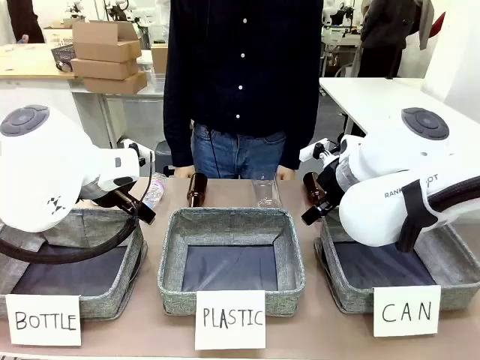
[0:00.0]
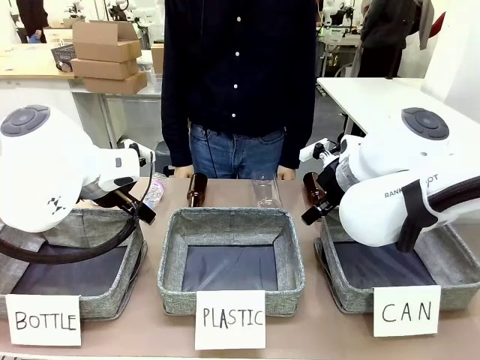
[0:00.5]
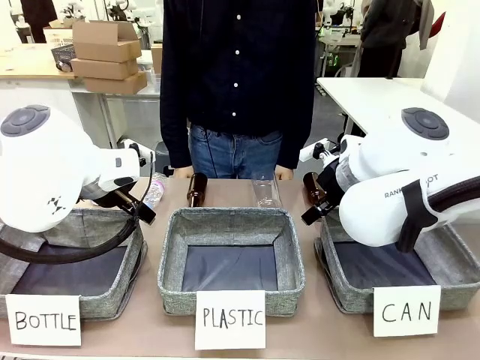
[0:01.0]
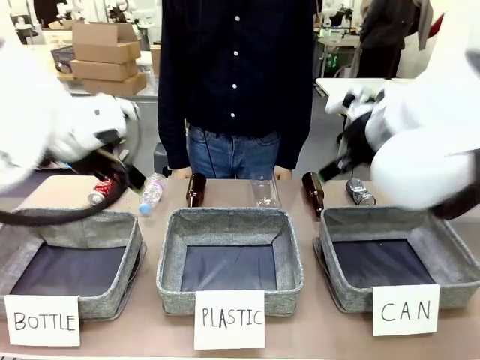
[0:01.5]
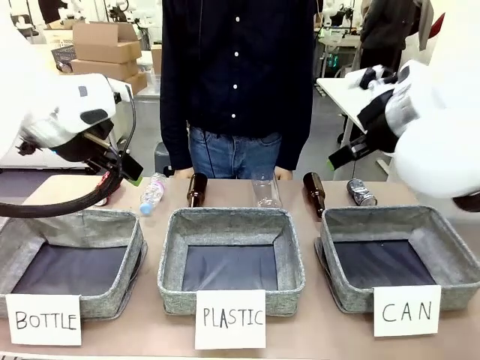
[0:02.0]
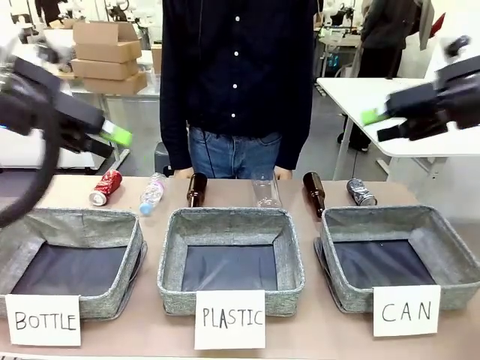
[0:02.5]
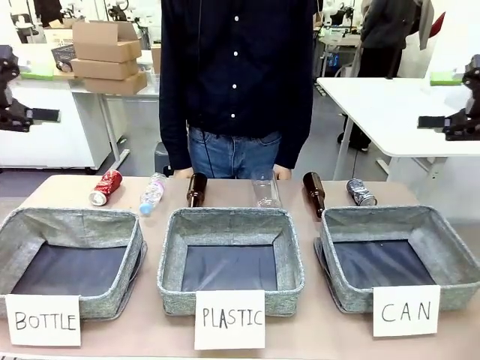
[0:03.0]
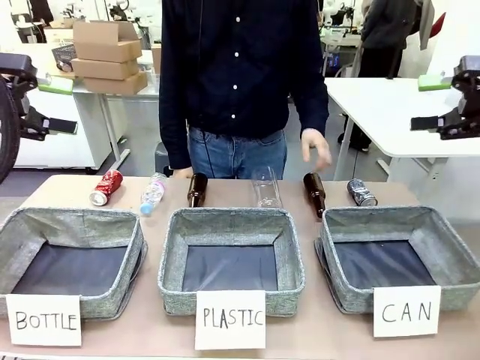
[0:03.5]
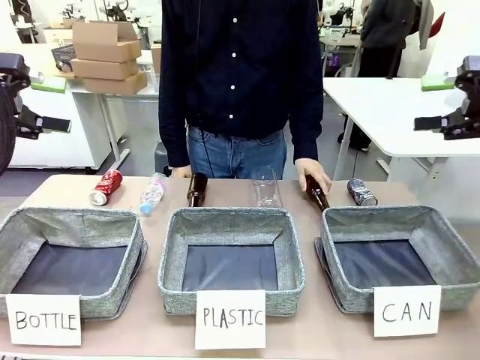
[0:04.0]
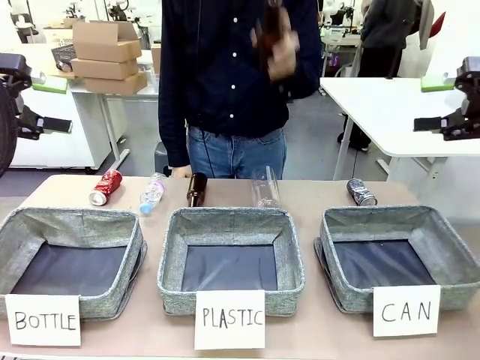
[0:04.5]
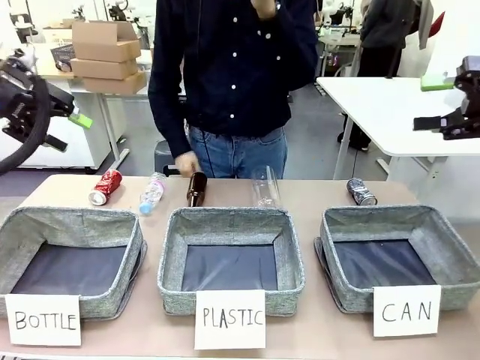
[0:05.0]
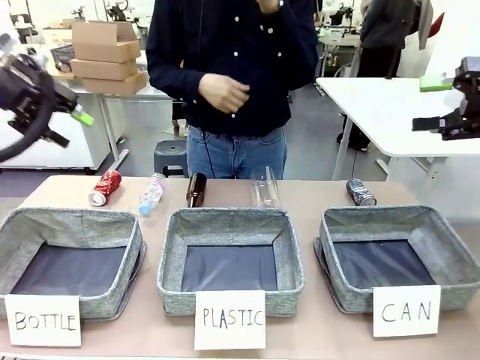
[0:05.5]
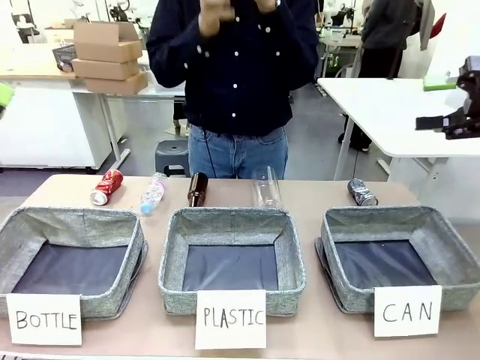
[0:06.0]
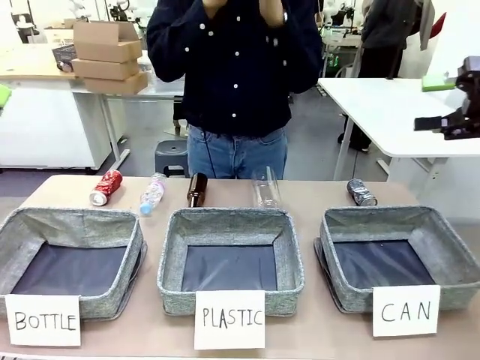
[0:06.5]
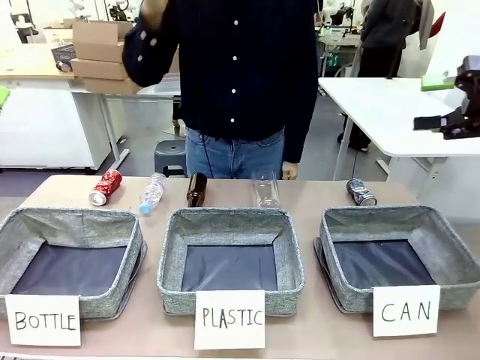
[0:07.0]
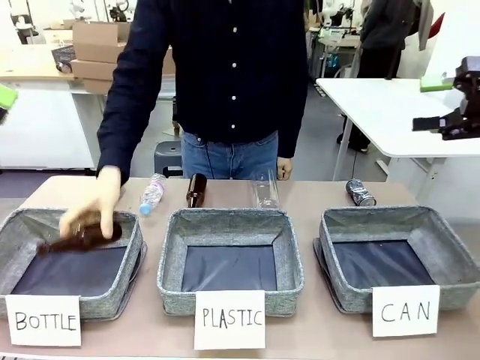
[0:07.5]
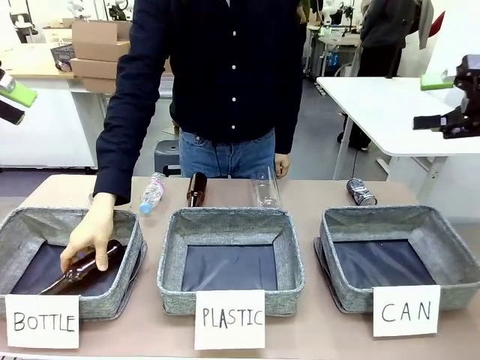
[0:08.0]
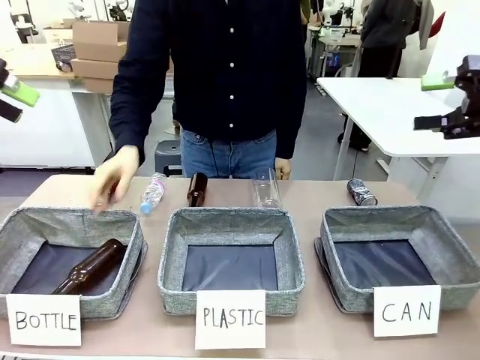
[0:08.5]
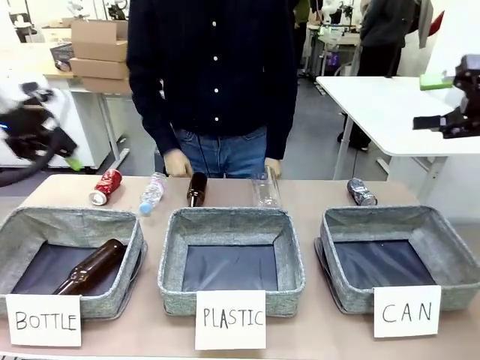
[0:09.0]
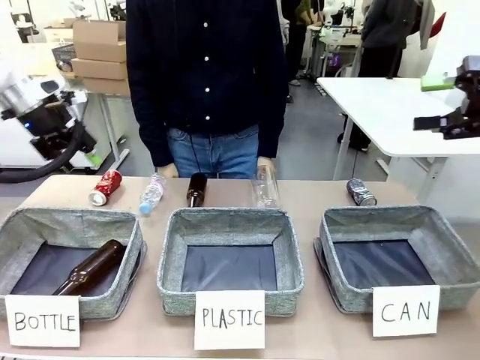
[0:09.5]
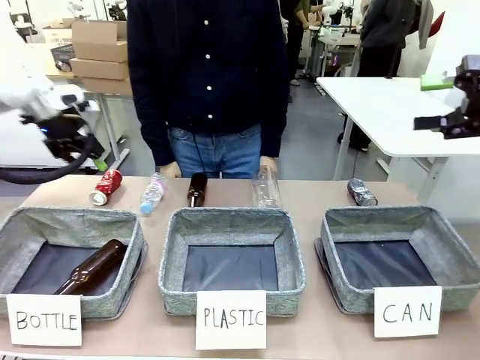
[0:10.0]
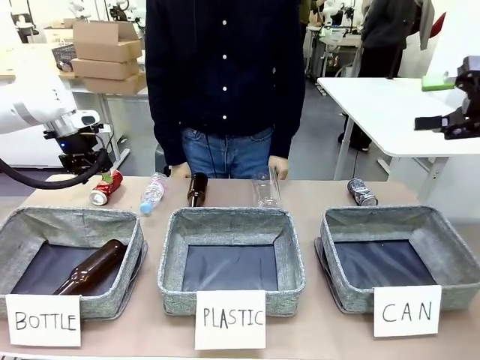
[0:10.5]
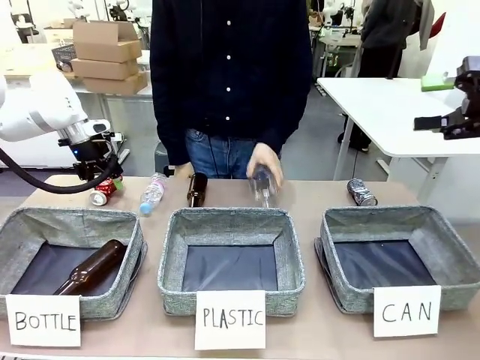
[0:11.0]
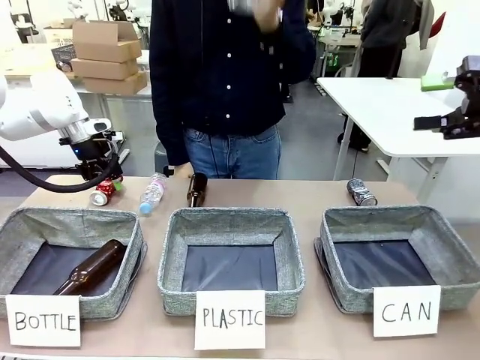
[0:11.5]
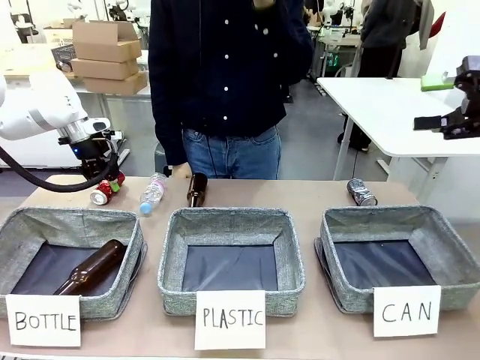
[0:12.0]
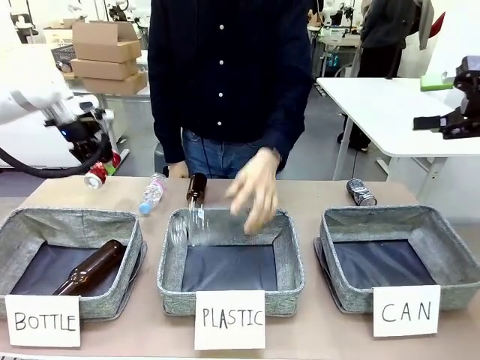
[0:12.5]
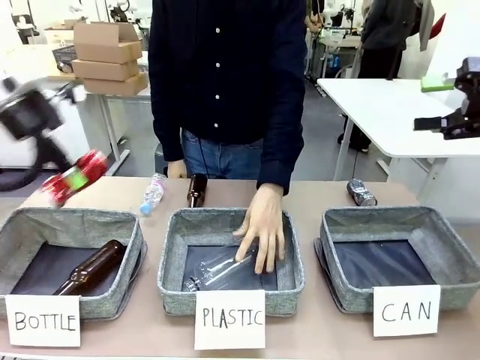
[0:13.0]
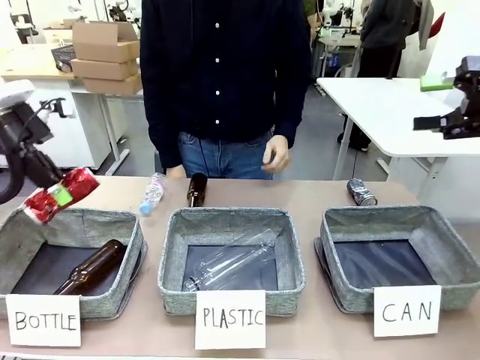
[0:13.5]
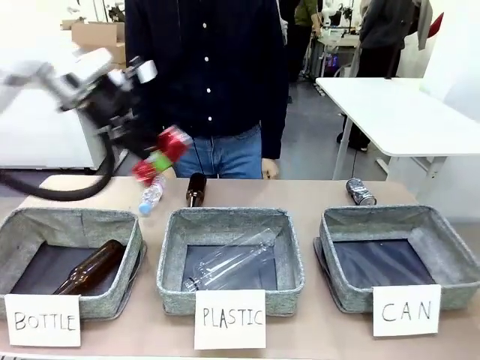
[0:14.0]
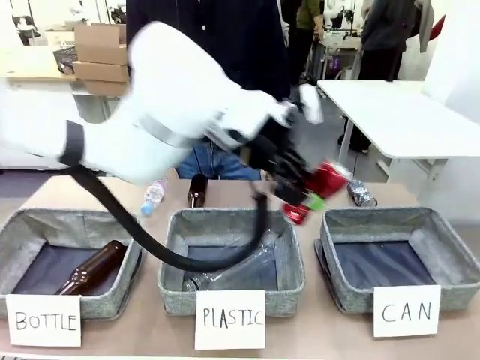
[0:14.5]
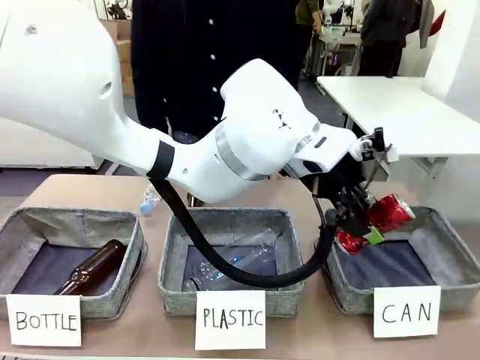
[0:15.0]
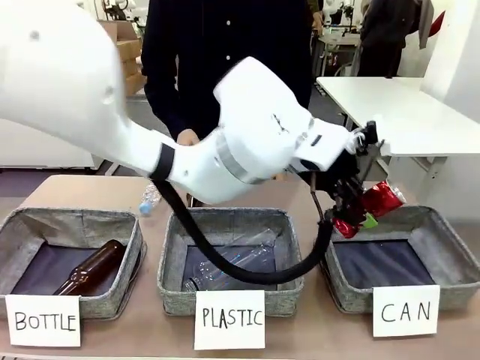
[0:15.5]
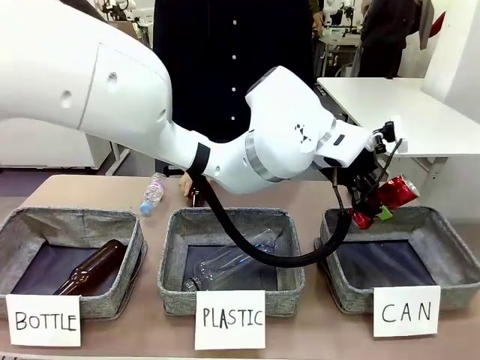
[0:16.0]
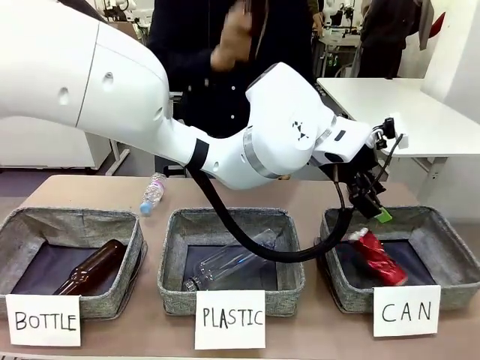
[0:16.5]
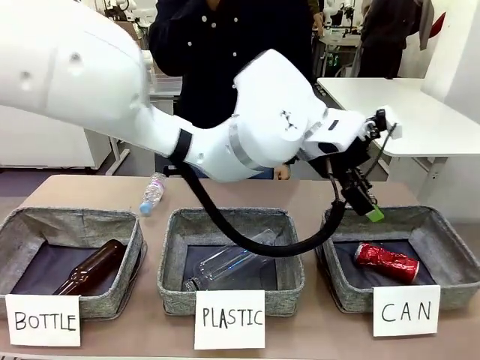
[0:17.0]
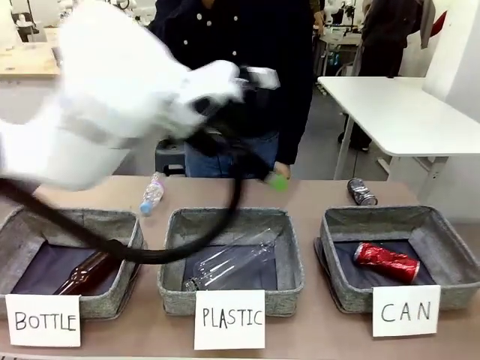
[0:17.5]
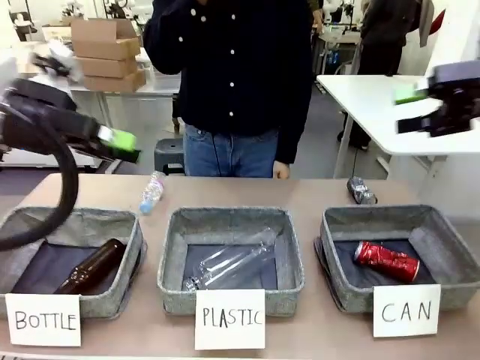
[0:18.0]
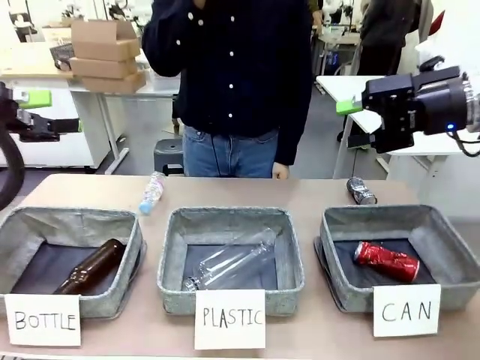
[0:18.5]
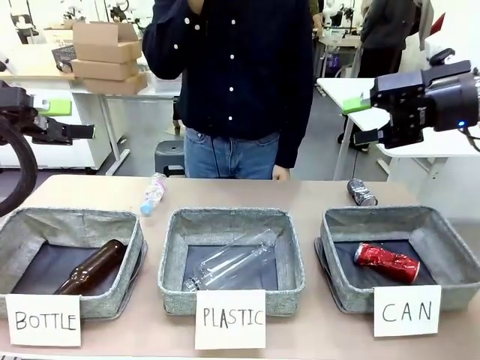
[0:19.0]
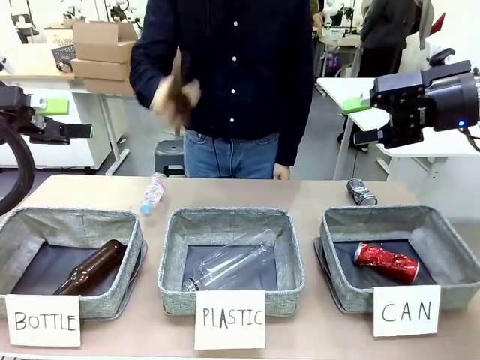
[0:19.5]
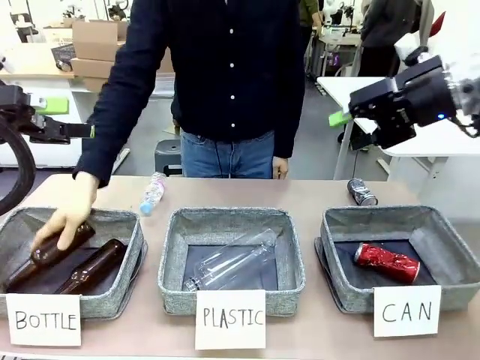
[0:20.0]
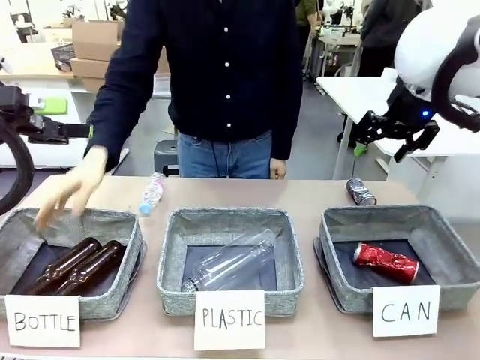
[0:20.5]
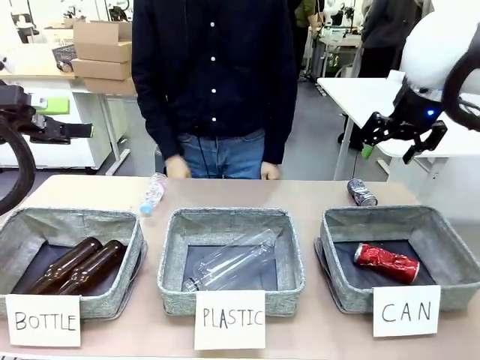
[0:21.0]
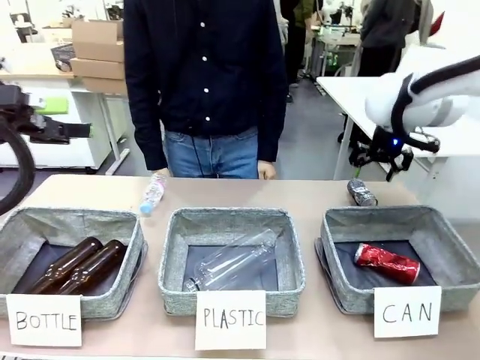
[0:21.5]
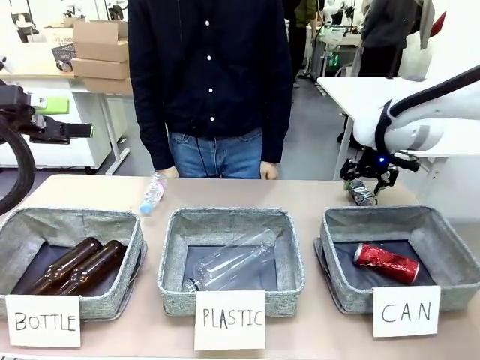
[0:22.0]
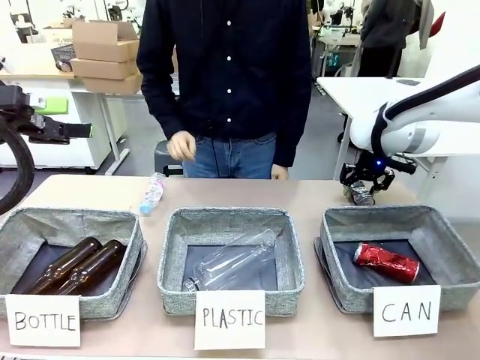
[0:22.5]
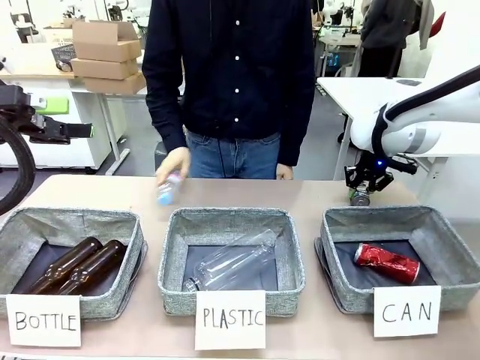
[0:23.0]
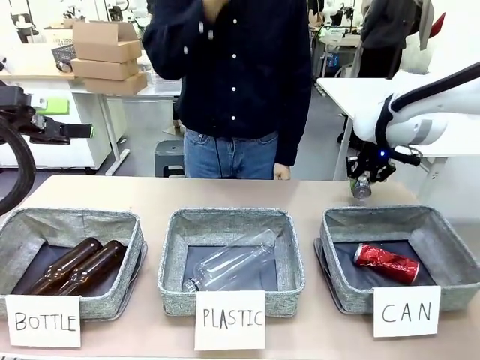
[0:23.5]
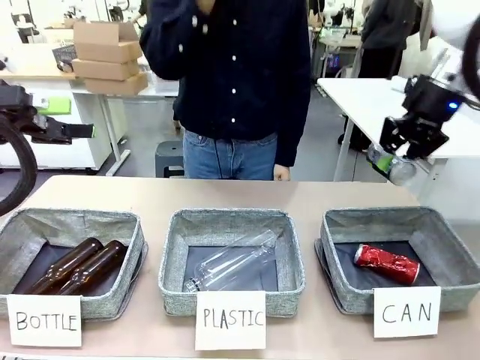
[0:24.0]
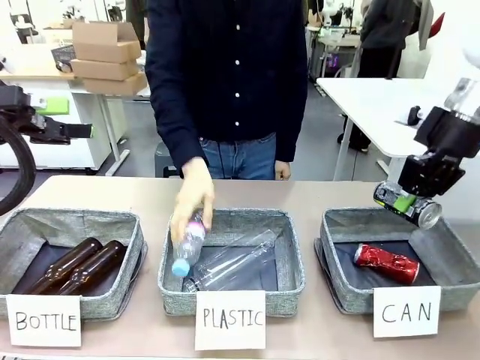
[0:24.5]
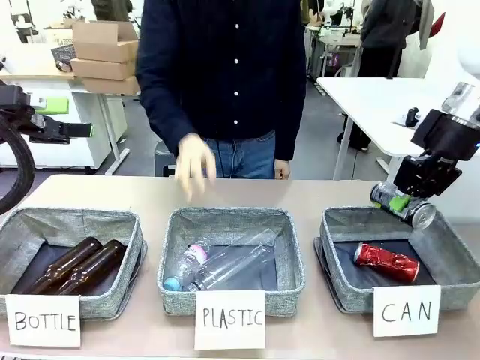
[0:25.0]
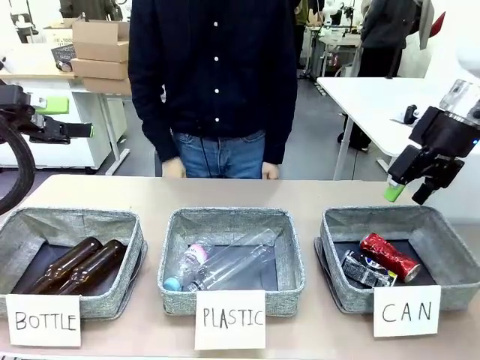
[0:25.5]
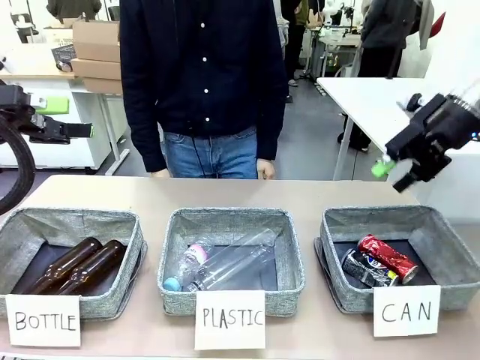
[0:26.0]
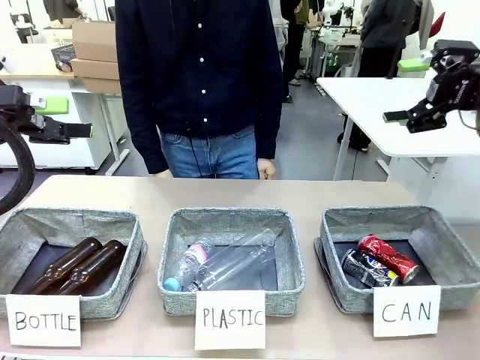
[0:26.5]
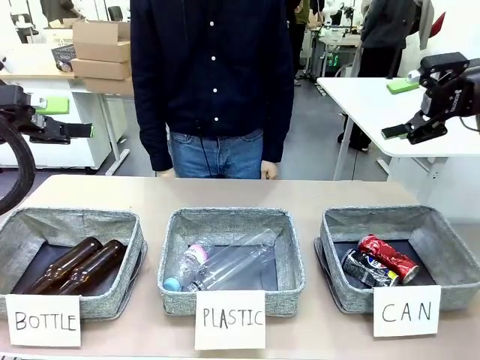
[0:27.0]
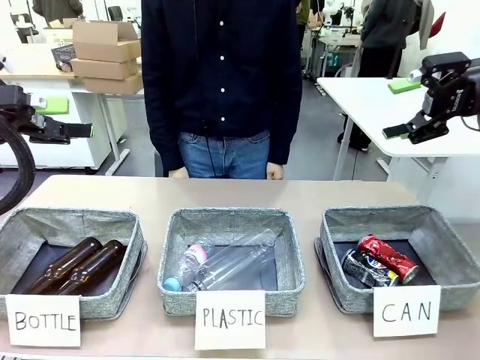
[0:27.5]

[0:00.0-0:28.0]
Task: Sort the can waste into the basket.
Robot: Pick up the can waste from the table and place it in the right Fabric basket.
Person: The human picks up one piece of trash that is not a can and places the trash into the appropriate organizing basket.
